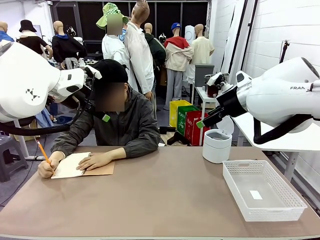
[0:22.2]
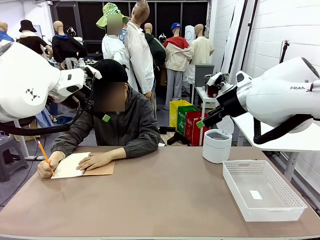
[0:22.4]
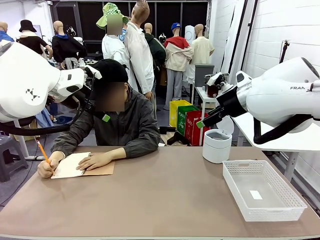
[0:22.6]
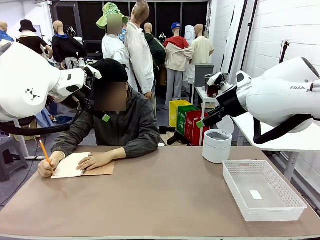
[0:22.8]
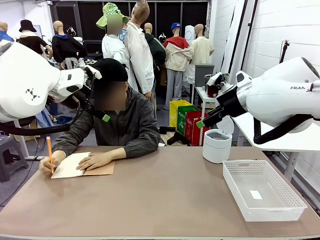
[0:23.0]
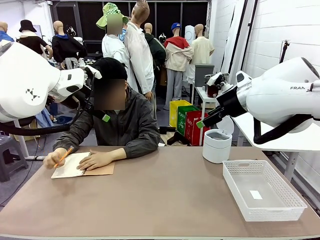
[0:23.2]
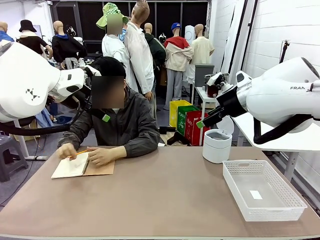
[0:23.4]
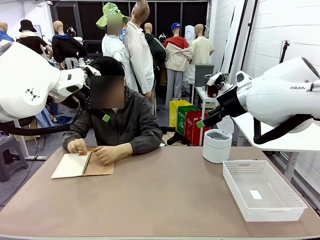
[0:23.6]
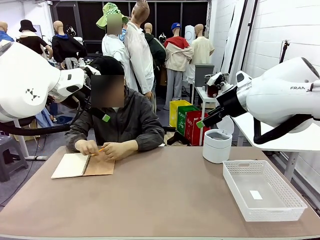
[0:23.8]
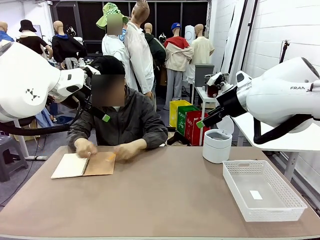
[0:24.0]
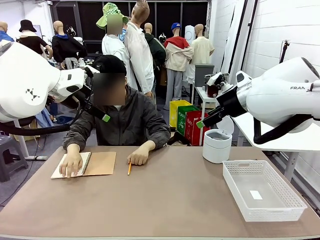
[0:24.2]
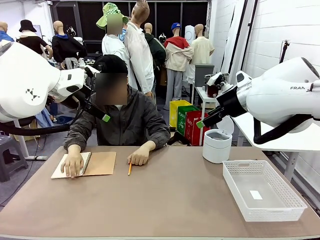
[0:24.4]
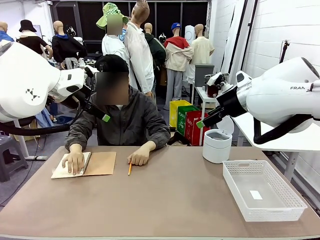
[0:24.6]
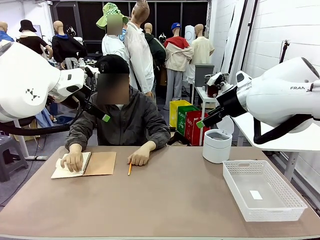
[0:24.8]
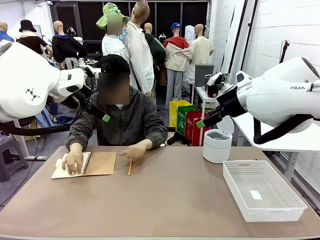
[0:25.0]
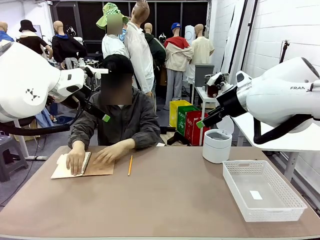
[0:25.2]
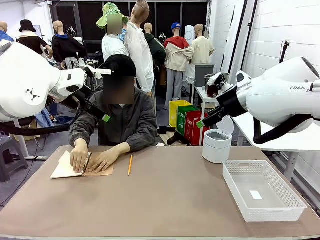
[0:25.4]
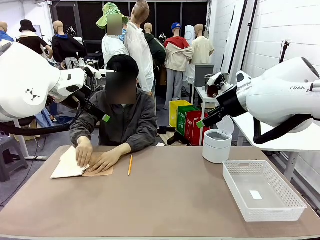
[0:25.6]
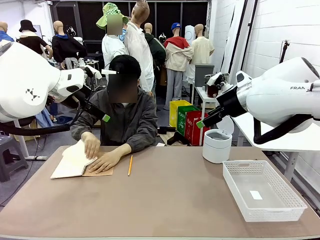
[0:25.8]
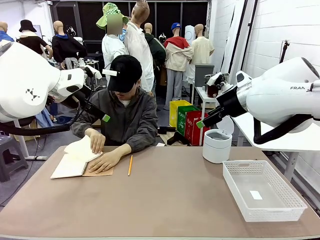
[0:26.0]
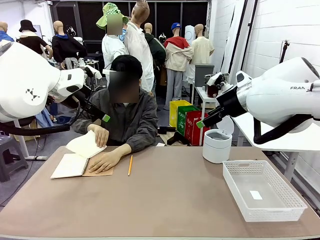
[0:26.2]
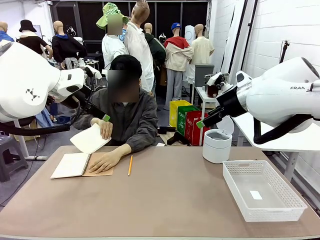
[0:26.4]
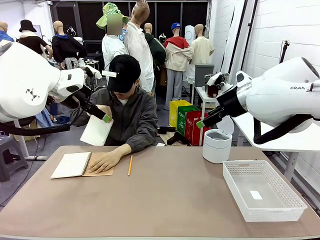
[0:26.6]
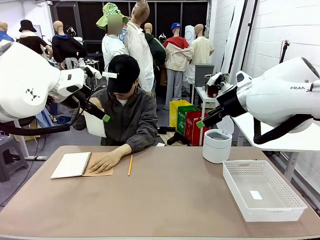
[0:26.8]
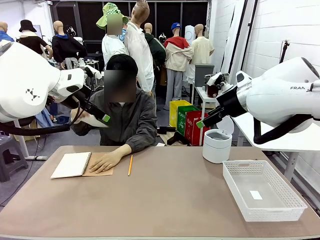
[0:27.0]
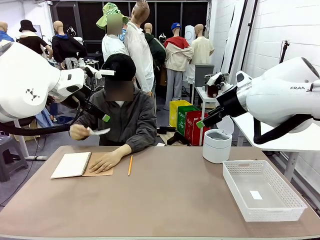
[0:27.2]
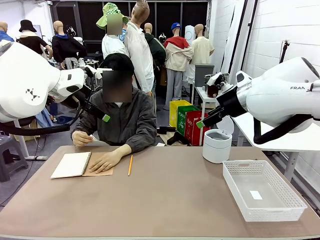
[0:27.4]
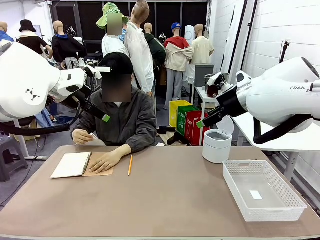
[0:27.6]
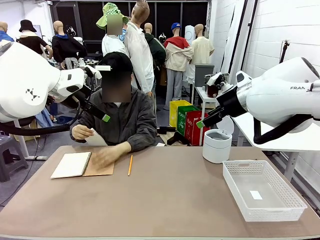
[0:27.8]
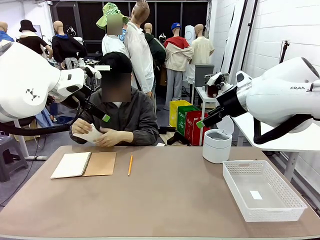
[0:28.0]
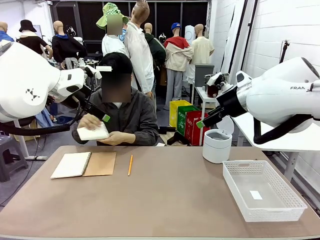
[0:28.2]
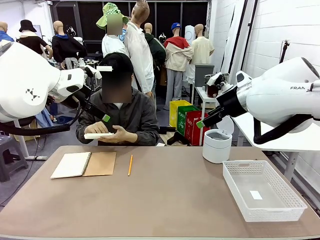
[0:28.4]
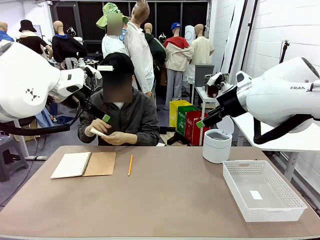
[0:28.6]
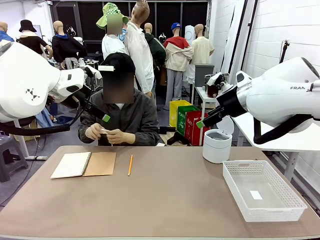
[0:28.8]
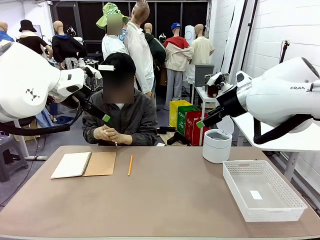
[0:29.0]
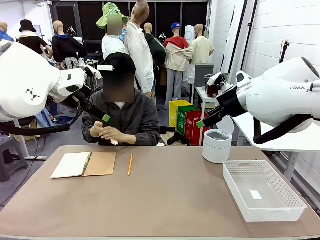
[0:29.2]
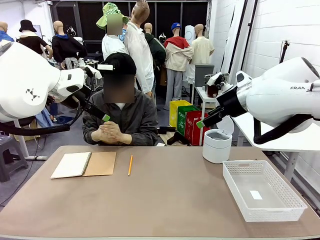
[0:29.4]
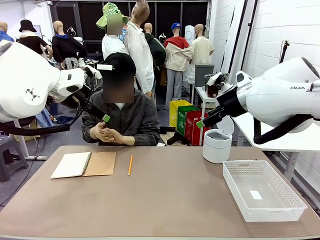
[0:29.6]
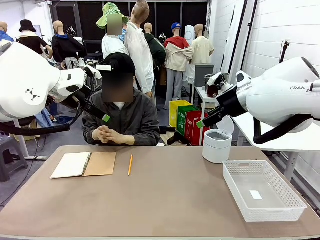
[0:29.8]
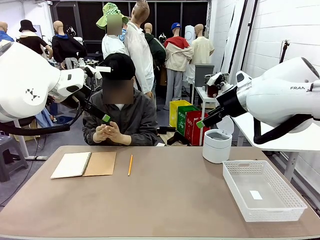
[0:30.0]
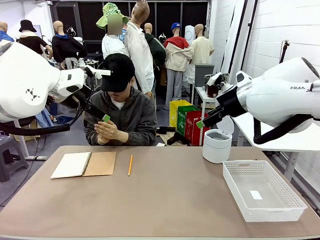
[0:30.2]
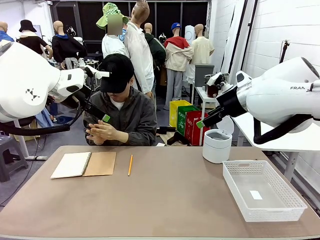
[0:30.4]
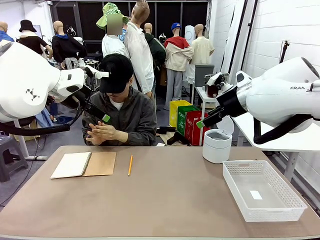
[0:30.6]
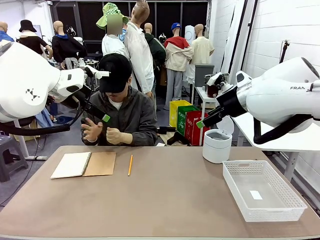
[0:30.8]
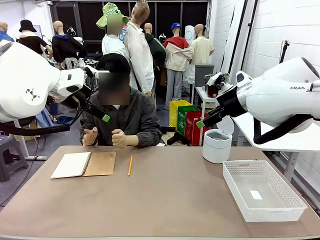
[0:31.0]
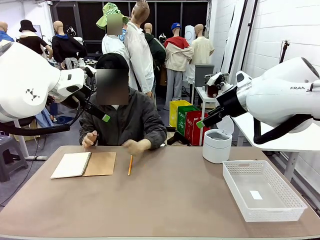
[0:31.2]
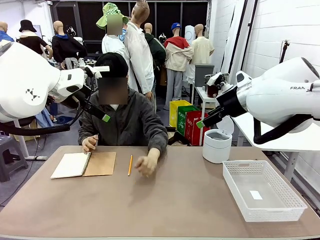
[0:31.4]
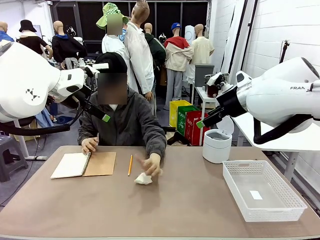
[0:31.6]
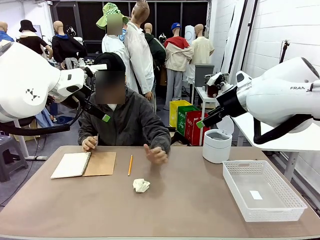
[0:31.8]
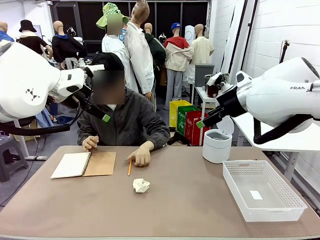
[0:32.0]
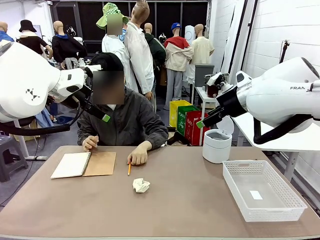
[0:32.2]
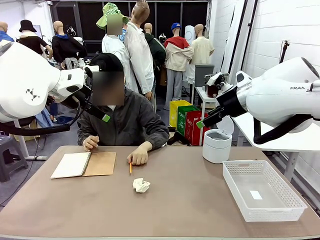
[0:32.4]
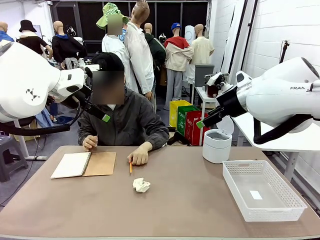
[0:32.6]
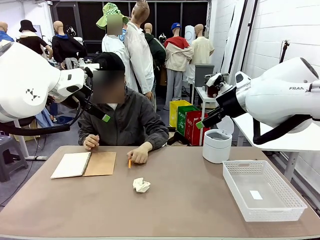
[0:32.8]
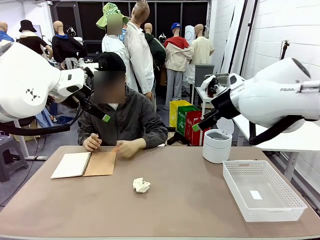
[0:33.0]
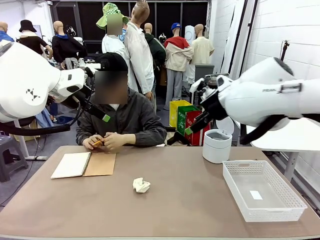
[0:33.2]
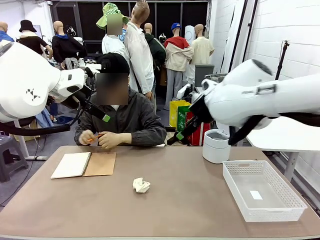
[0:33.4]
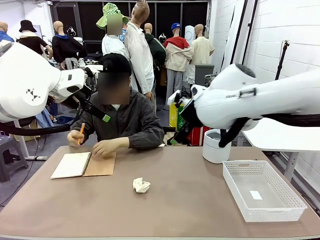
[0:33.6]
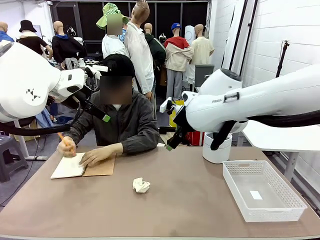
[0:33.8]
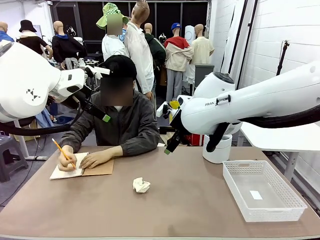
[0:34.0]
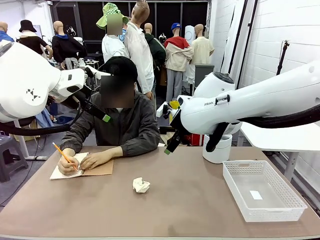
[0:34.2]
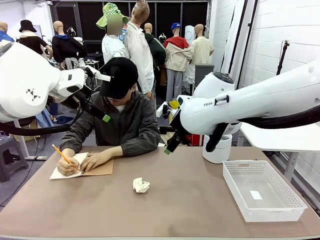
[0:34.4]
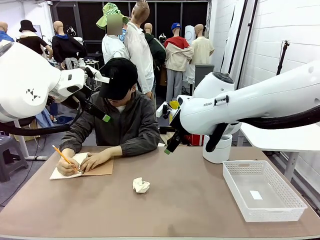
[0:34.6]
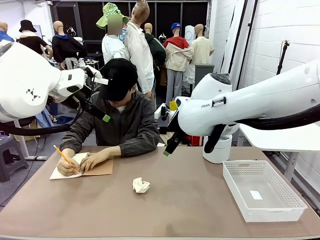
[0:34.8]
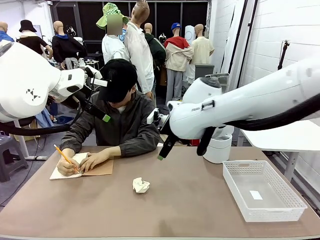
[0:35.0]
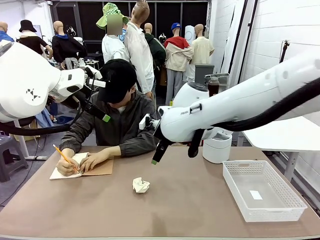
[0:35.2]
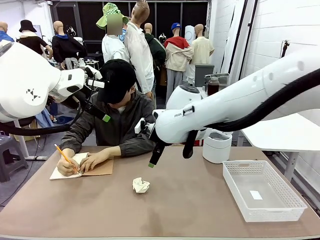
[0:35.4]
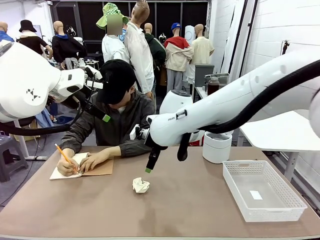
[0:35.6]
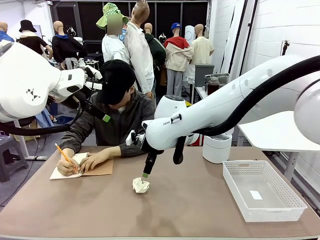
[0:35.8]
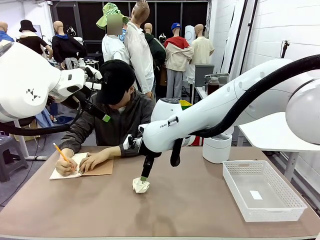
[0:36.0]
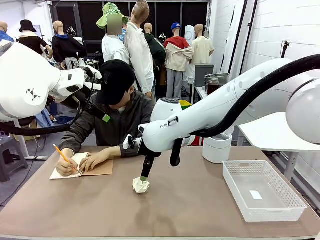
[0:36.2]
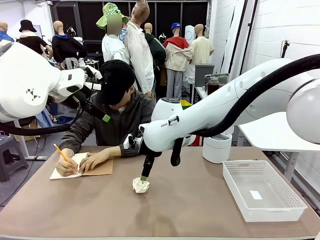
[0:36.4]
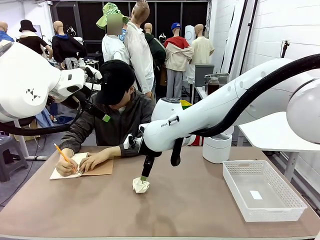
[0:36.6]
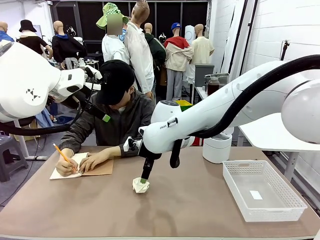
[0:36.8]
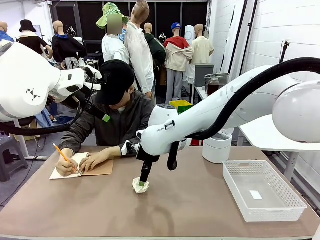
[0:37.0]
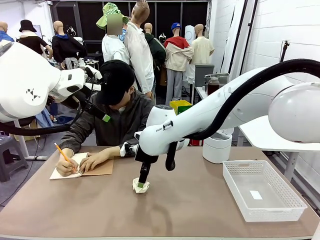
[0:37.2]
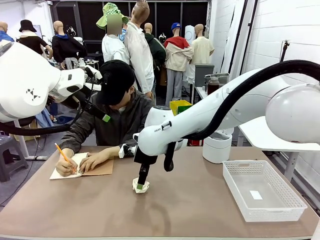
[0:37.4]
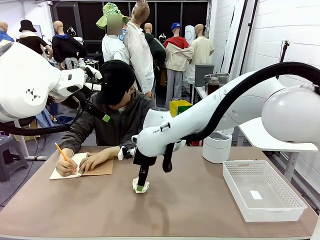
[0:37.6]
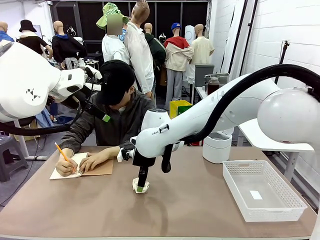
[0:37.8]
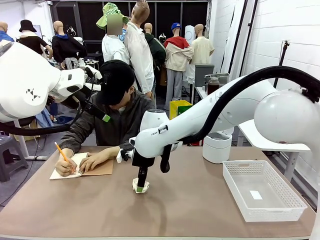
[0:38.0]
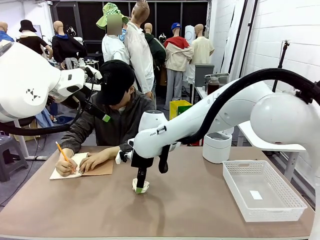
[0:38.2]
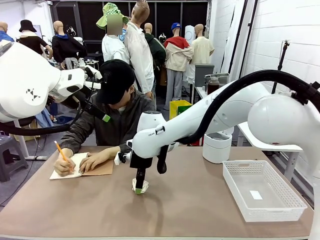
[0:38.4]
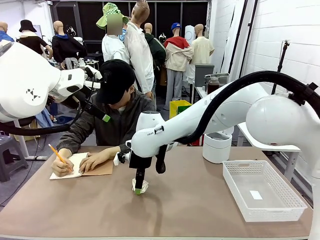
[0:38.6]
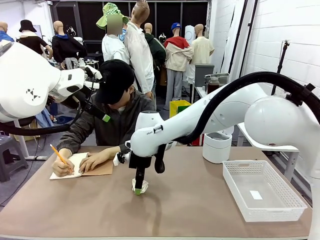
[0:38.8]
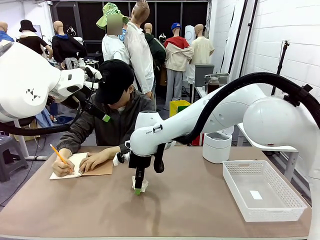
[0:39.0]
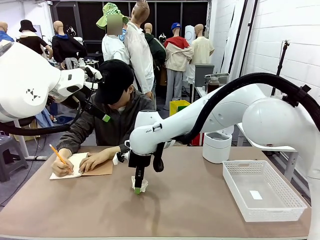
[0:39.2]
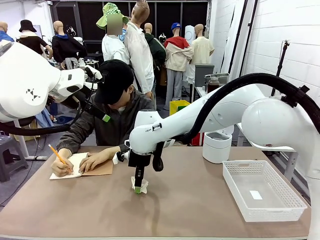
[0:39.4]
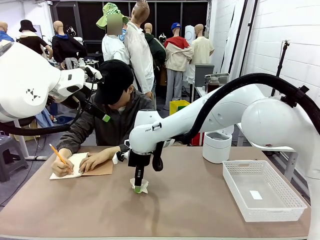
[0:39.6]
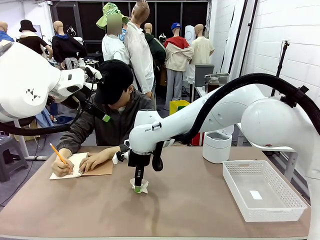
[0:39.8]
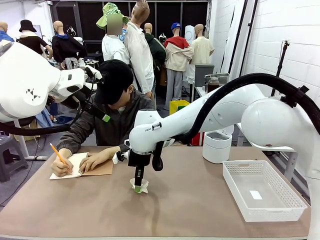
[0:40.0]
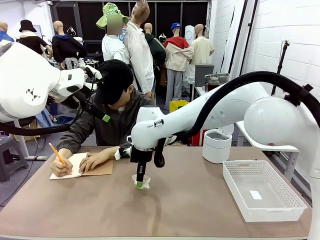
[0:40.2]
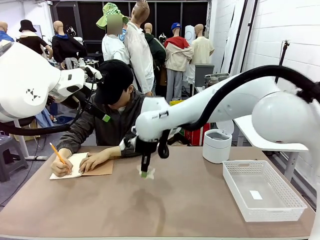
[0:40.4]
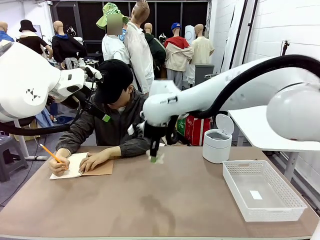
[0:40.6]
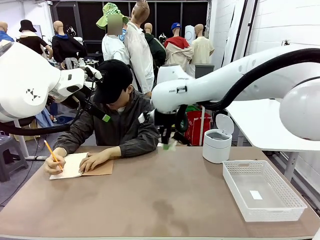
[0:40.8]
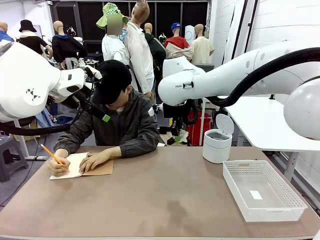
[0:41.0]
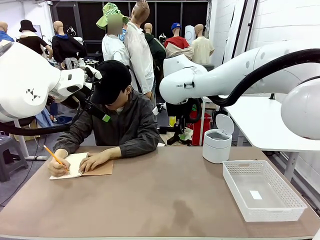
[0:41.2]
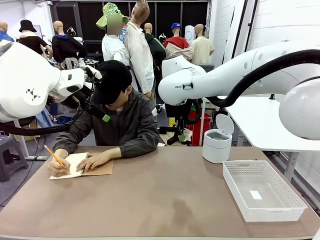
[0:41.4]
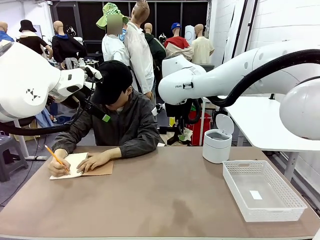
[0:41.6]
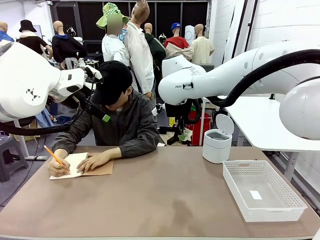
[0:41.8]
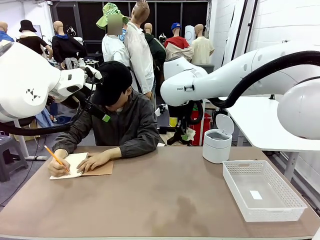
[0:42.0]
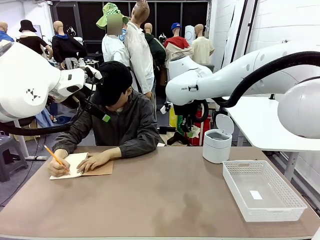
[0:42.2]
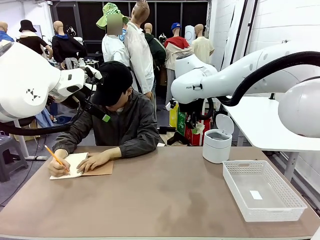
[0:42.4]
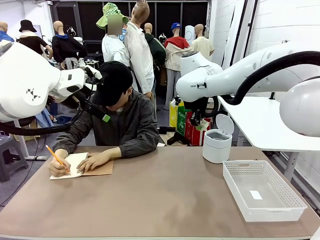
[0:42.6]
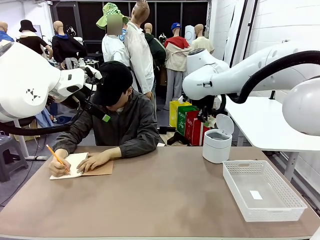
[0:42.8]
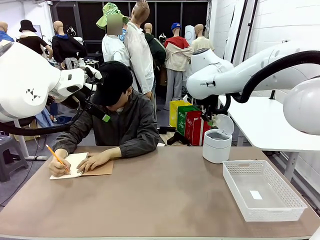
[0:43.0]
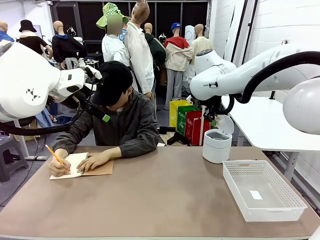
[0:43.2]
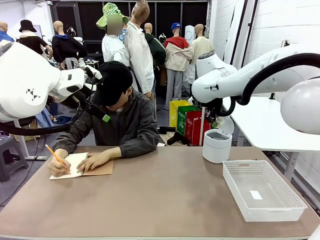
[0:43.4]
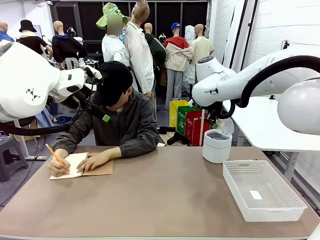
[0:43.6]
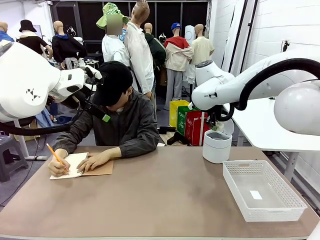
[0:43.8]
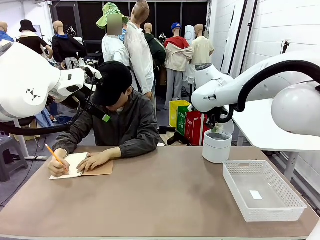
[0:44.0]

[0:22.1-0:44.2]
Task: Sort the paper based on its condition.
Robot: If a person hands you a paper, place it in the Organizing basket , and if it's crumpled, put it in the Trash can.
Person: Hand the torn page to the robot or crumple it and throw it to the center of the table.
